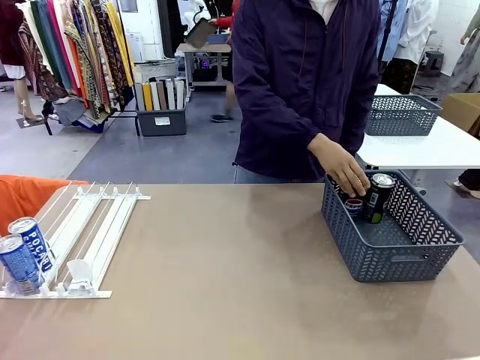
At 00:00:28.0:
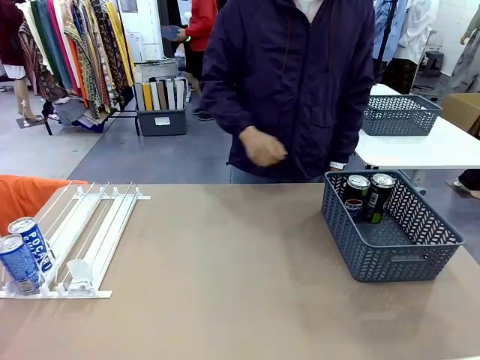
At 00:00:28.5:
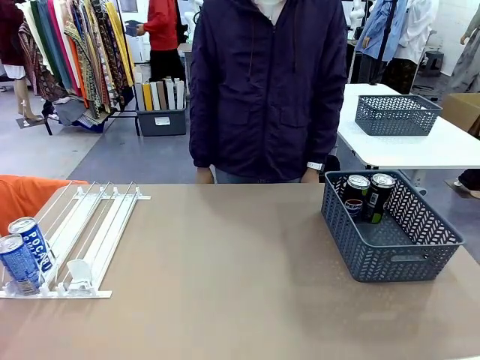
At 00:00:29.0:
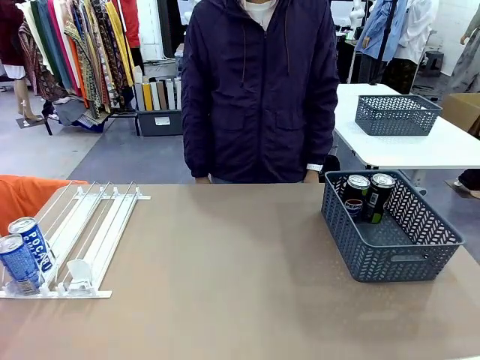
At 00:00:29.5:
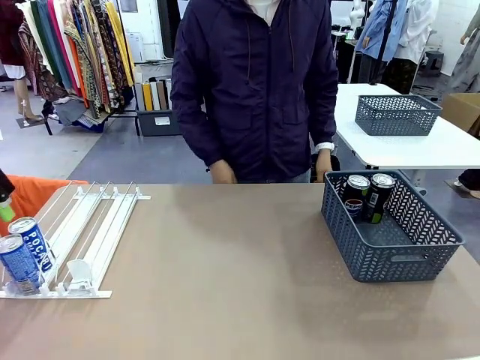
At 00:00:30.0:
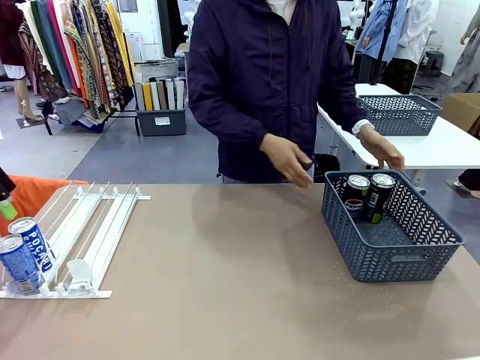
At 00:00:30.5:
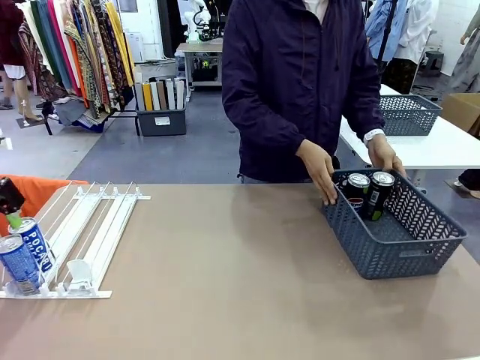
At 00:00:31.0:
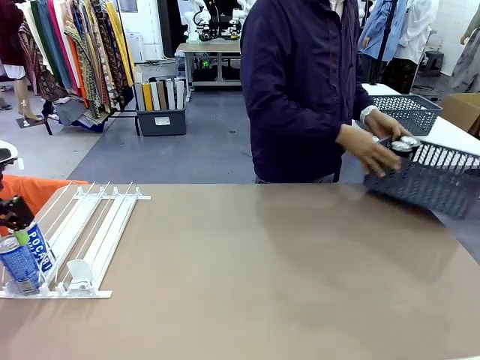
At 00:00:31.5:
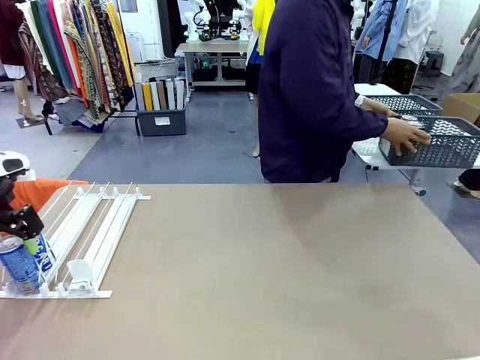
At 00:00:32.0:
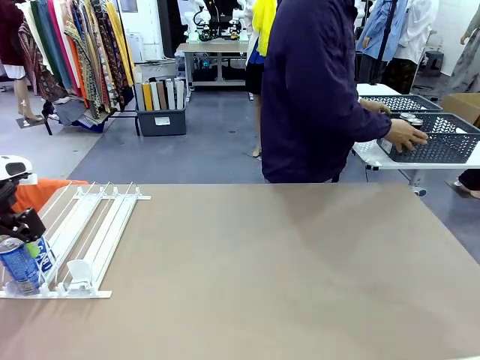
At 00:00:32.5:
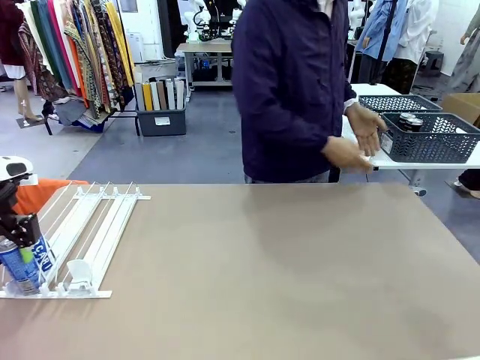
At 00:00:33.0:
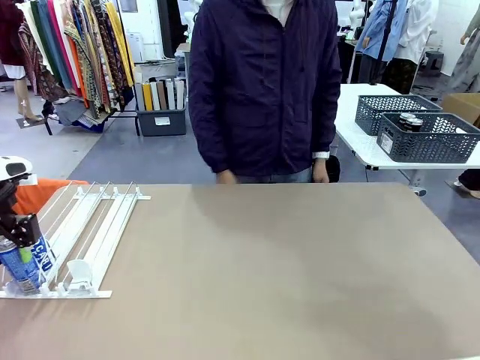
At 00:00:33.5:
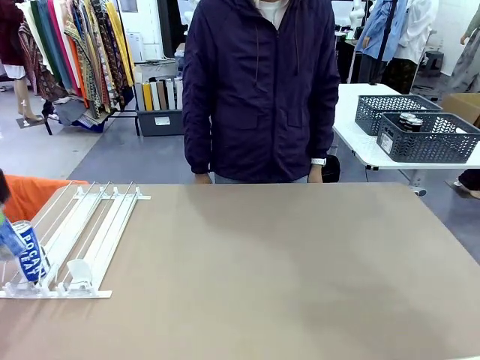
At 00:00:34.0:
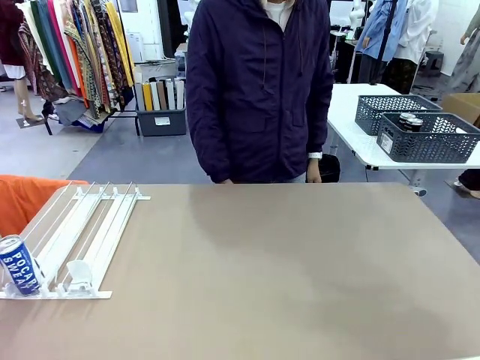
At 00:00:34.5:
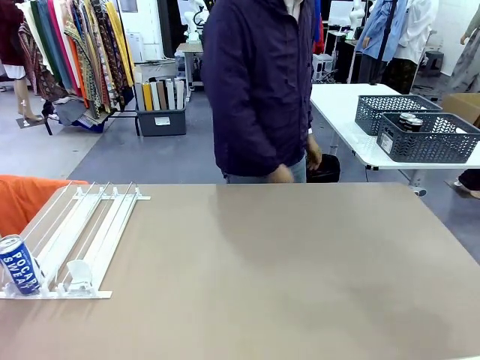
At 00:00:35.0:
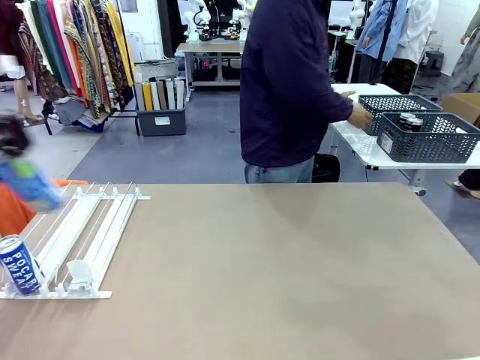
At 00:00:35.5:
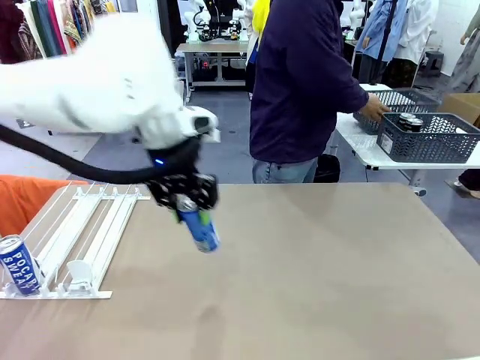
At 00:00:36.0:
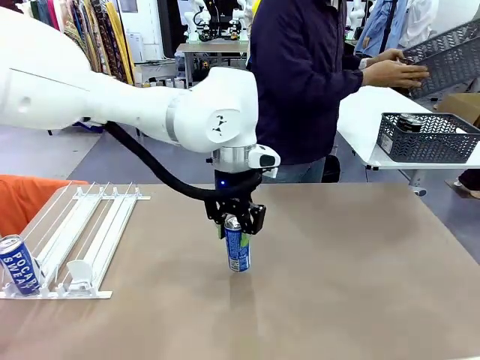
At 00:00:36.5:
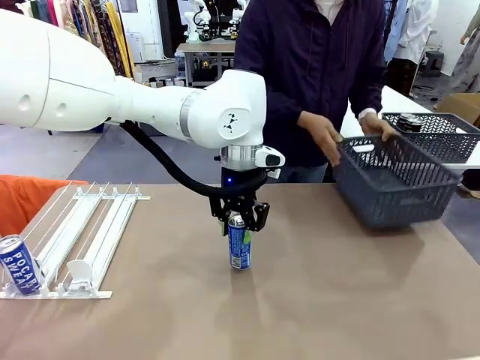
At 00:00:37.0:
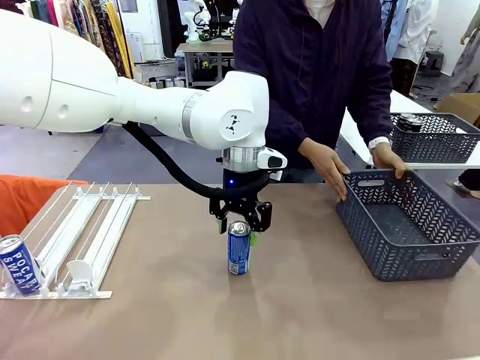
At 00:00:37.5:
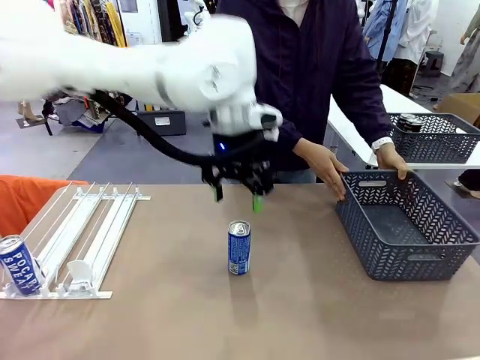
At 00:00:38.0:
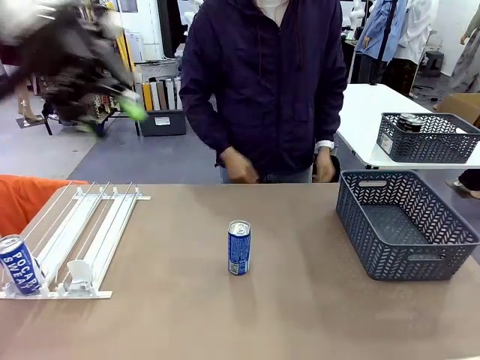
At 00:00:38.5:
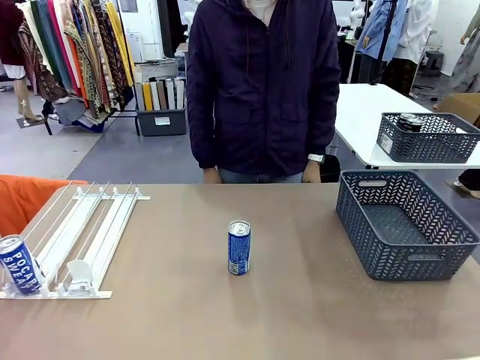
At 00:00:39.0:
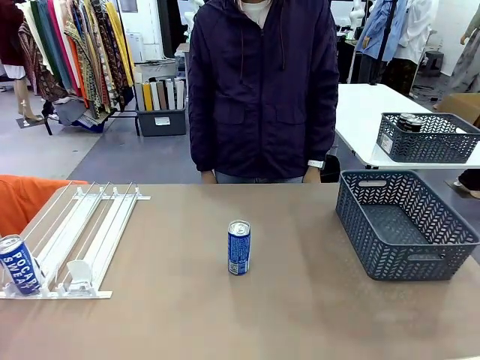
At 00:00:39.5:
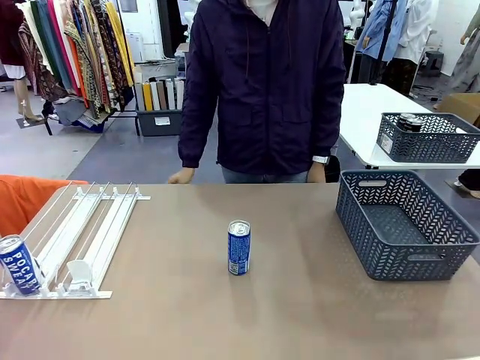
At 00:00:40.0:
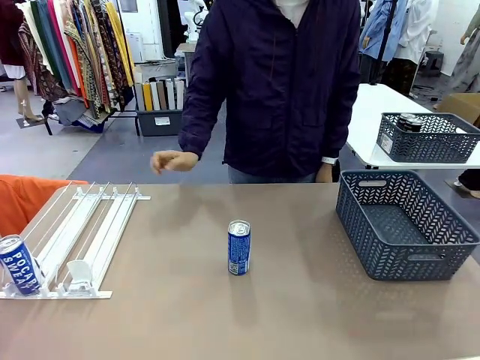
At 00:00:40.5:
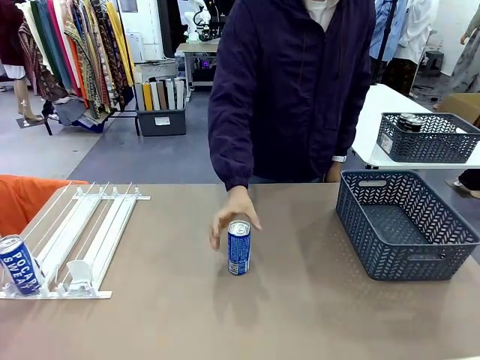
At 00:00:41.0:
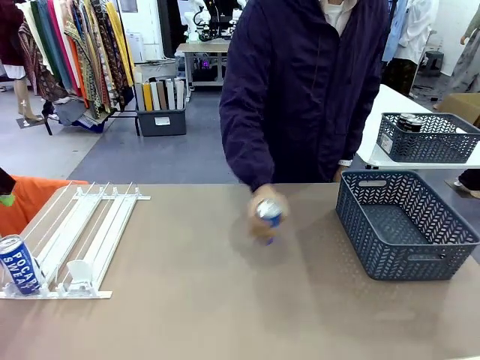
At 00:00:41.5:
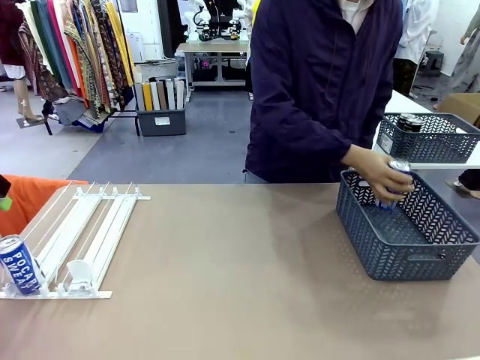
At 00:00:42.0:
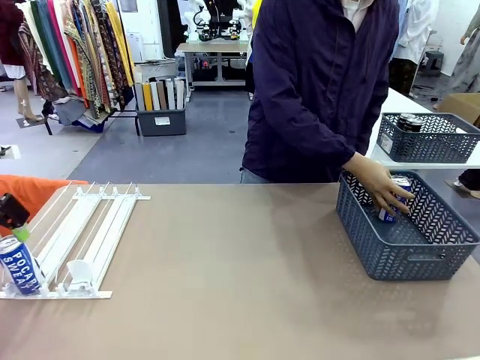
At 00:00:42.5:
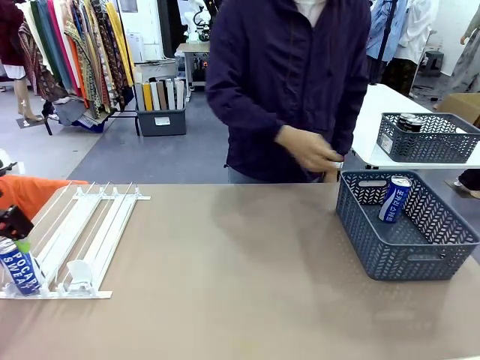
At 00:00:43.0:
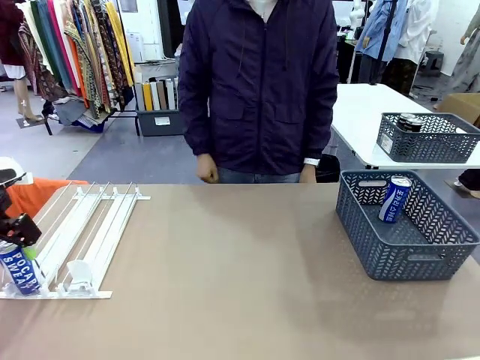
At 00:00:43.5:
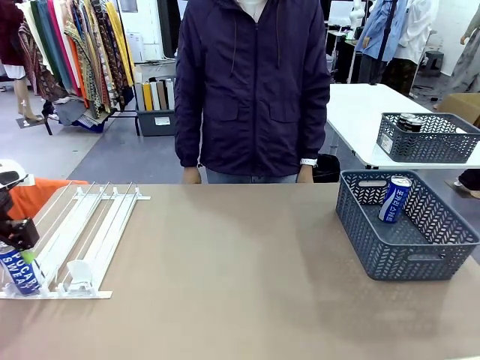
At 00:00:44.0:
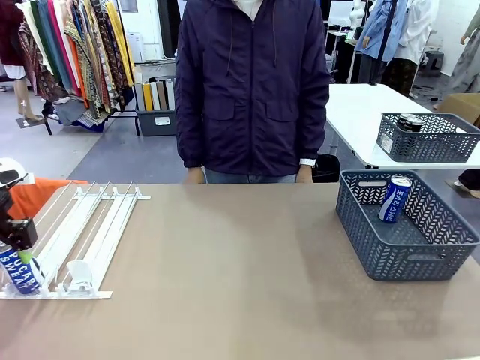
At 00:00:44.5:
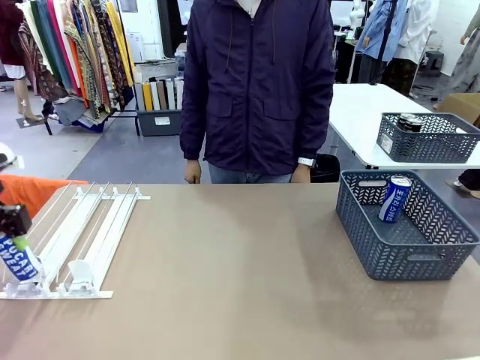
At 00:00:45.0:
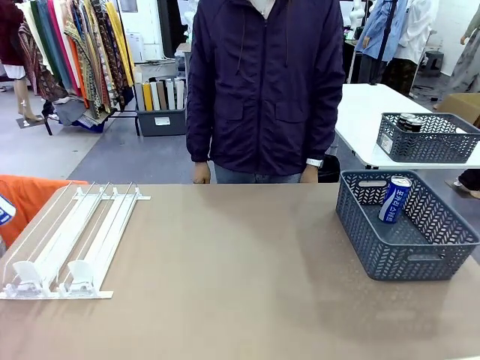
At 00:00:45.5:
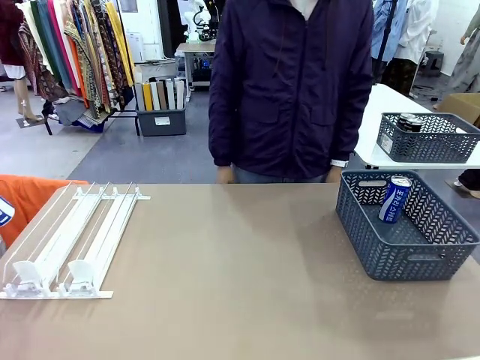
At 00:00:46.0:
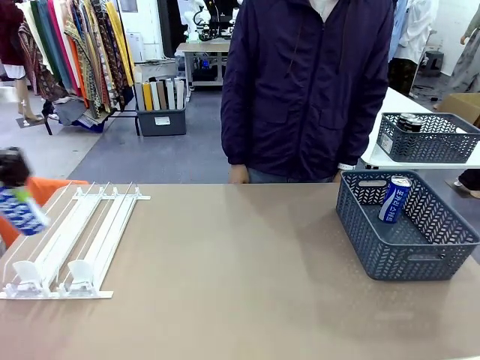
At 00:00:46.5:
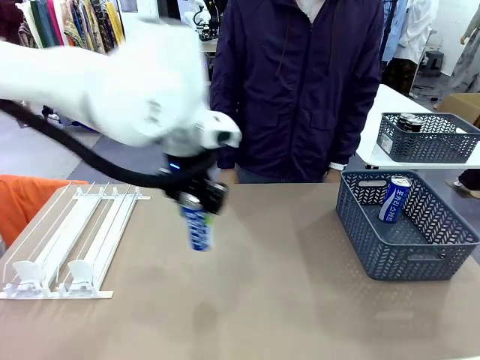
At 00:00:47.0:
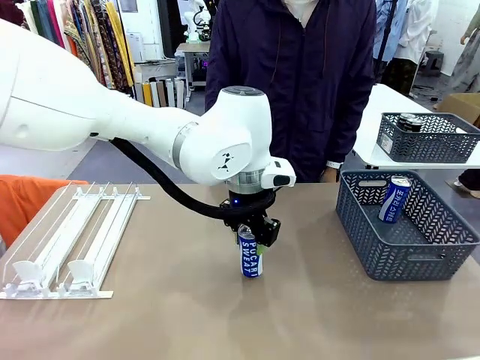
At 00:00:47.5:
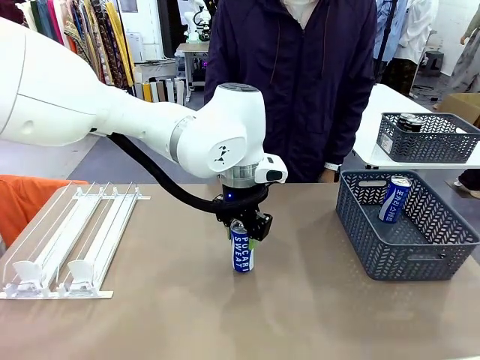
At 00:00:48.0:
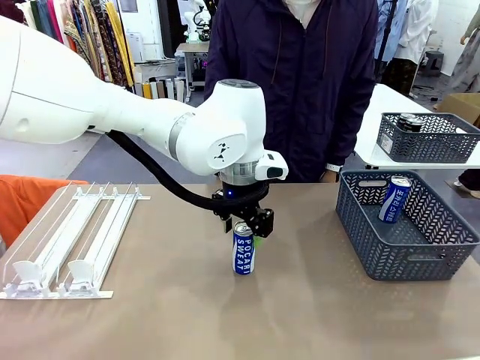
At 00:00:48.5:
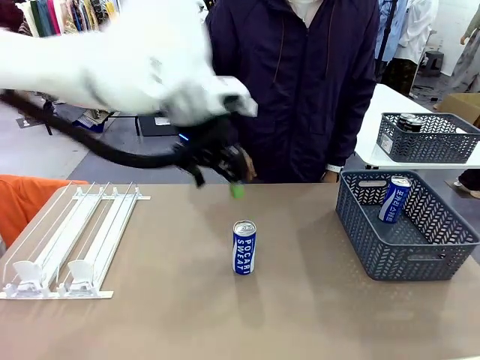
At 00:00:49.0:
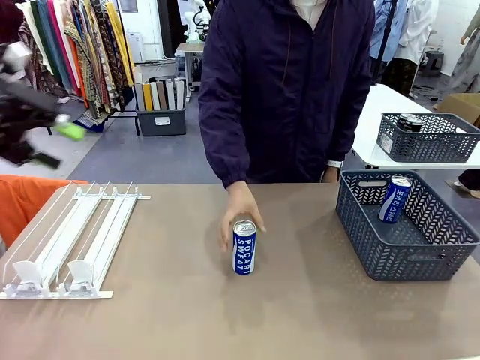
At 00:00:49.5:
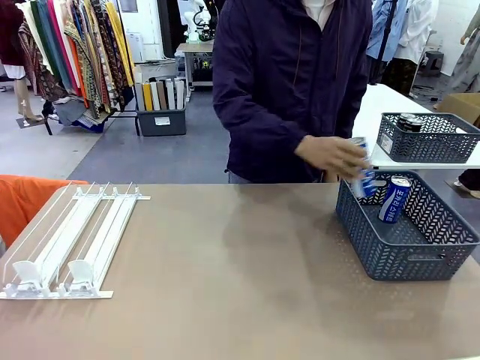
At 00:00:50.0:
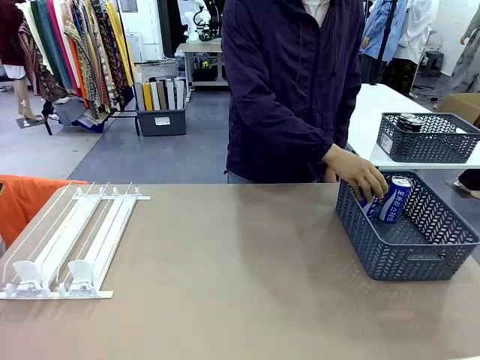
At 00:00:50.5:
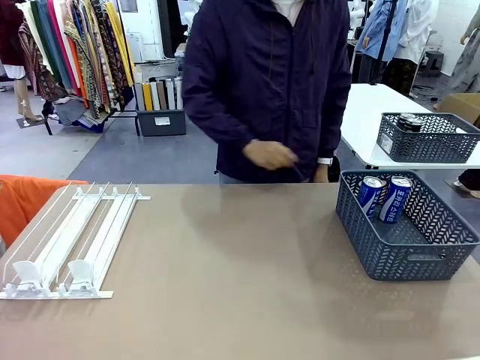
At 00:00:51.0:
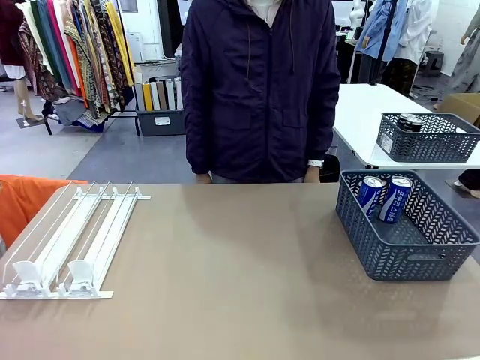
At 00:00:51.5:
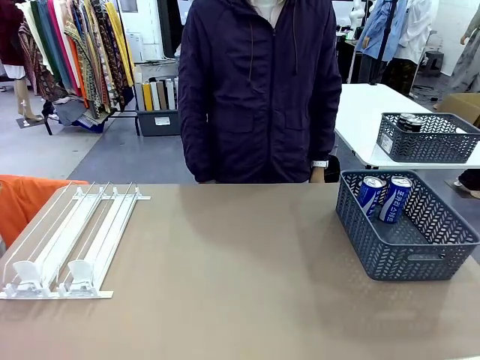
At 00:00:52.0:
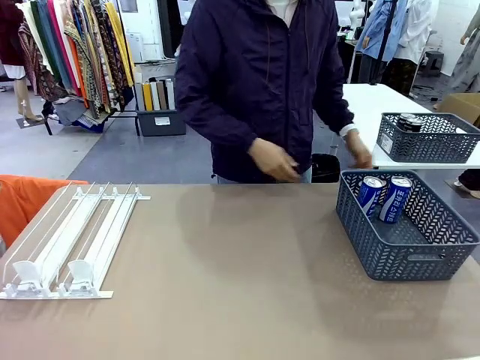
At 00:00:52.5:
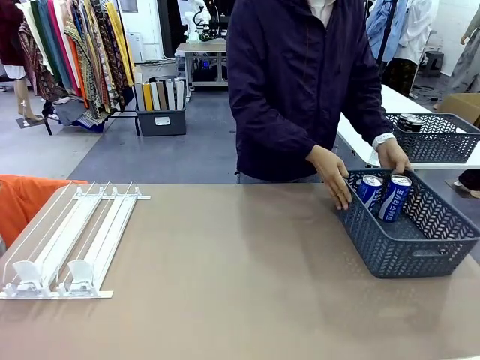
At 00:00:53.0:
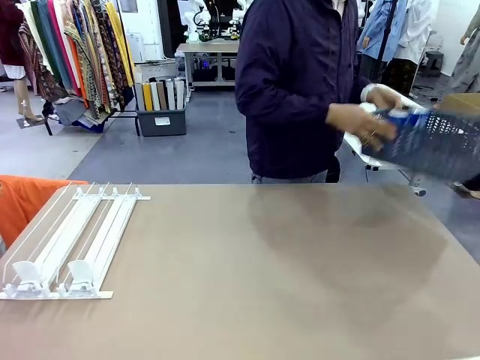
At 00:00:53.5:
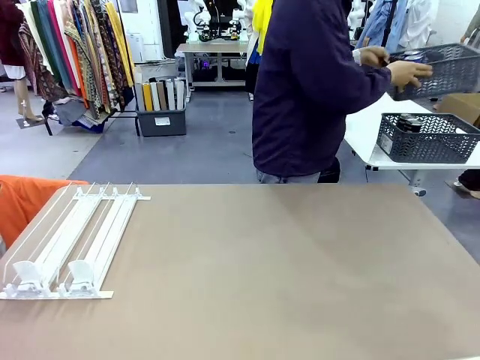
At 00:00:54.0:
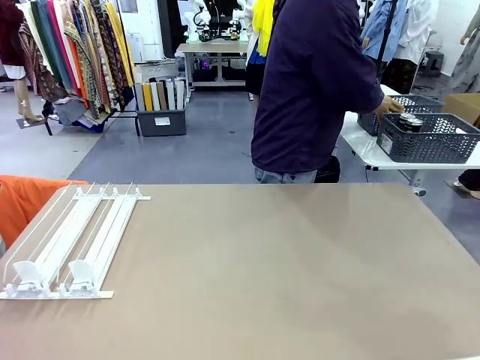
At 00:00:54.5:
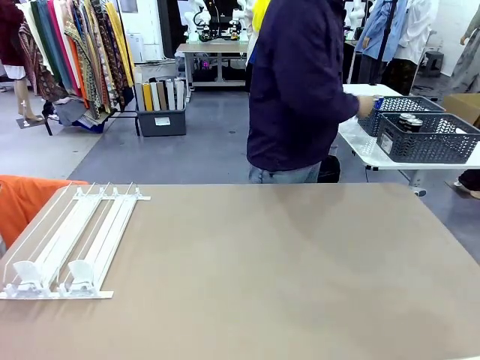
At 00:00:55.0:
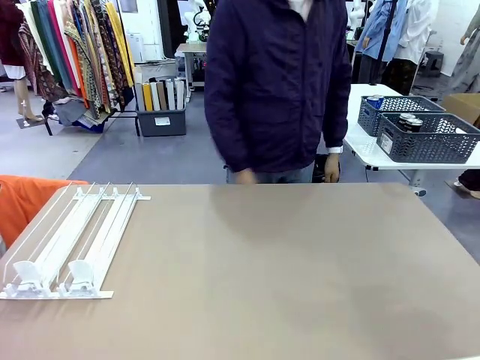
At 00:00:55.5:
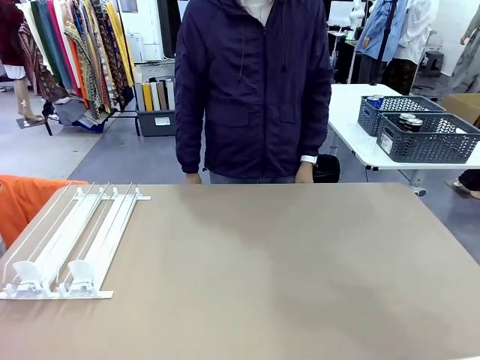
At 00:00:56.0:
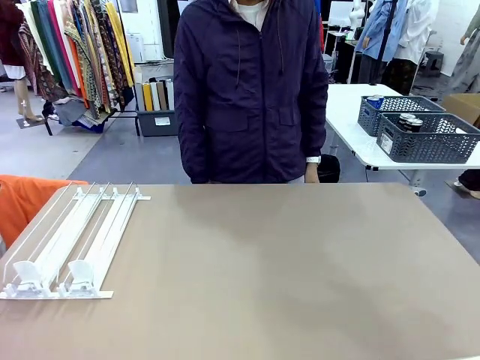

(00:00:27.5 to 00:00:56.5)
Task: Retrieve and store the cans from the dispenser.
Robot: Pick up one can from the Automatic Can Dispenser and place it in the middle of the table.
Person: Pick up the basket and place it in the middle of the human table. Pick up the empty basket and place it on the left side of the robot table. Pick up one sports drink can from the middle of the robot table and place it in the basket. Pick up the basket and place it in the middle of the human table.
